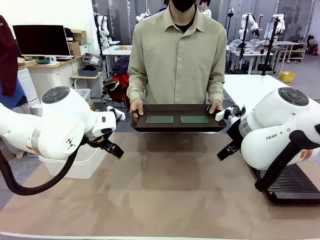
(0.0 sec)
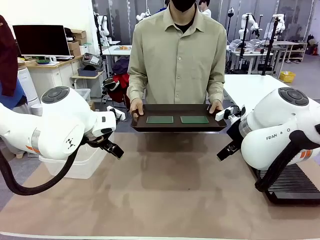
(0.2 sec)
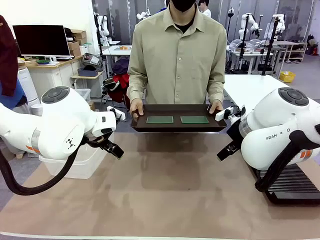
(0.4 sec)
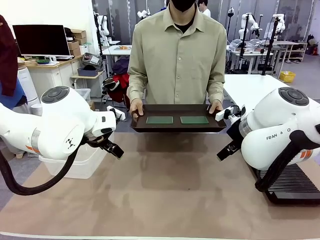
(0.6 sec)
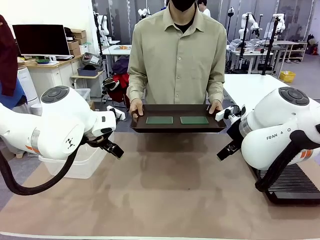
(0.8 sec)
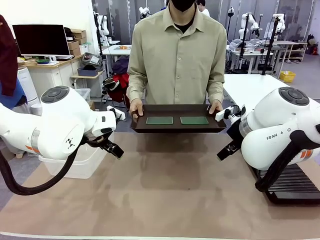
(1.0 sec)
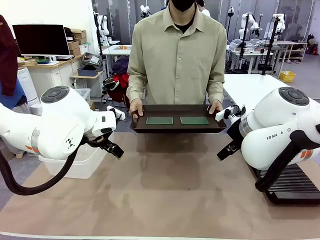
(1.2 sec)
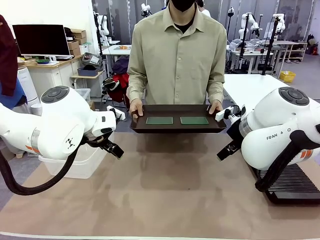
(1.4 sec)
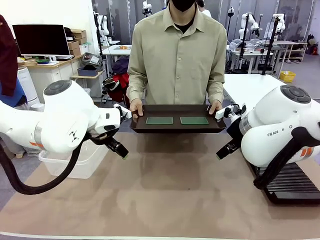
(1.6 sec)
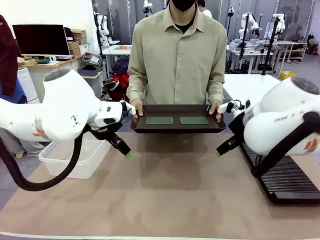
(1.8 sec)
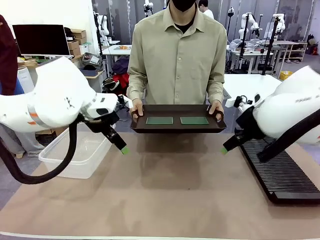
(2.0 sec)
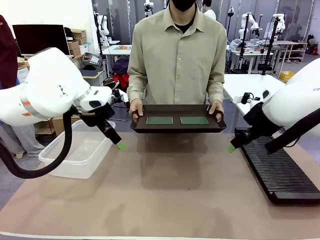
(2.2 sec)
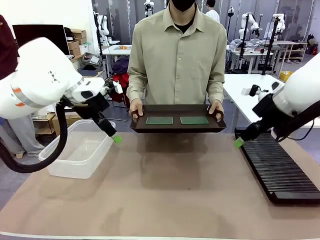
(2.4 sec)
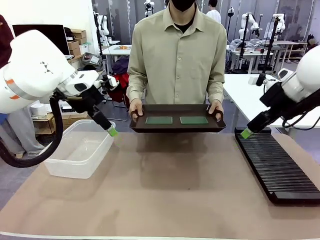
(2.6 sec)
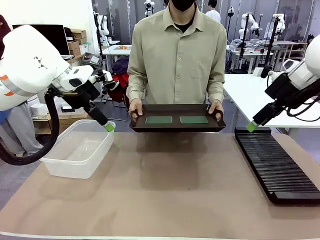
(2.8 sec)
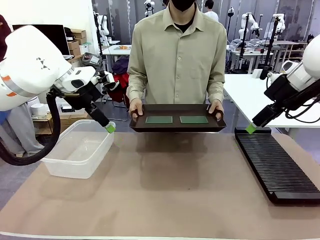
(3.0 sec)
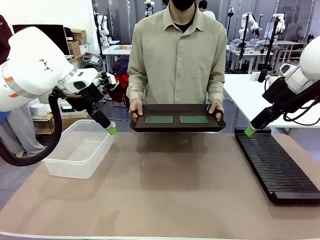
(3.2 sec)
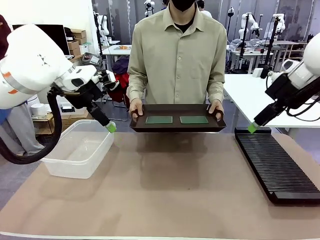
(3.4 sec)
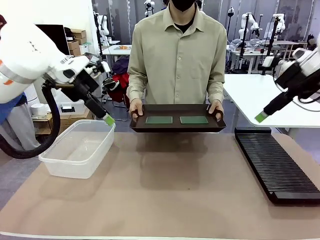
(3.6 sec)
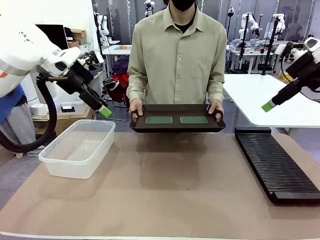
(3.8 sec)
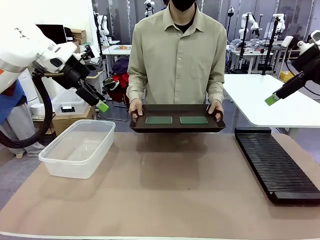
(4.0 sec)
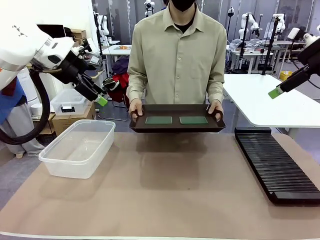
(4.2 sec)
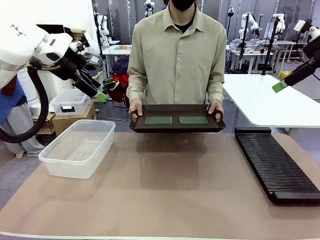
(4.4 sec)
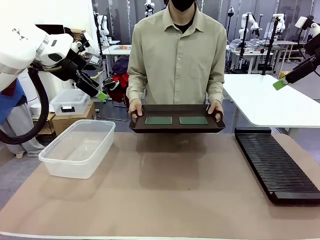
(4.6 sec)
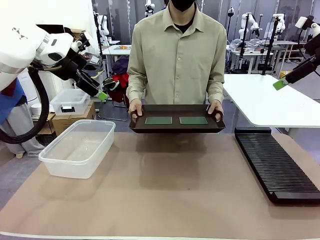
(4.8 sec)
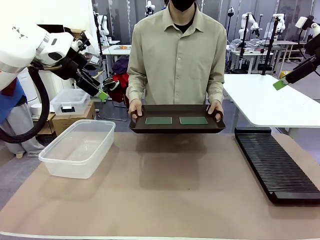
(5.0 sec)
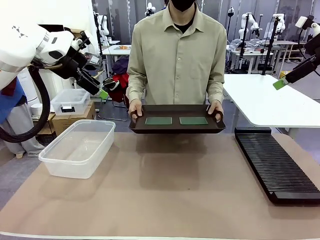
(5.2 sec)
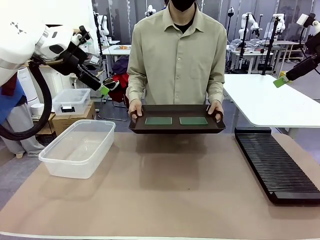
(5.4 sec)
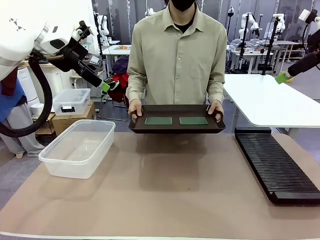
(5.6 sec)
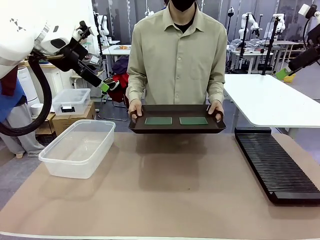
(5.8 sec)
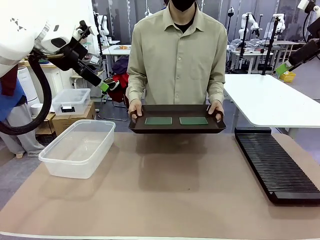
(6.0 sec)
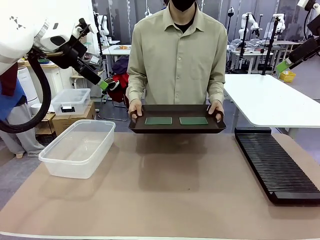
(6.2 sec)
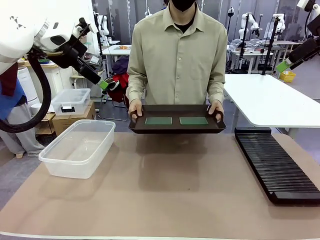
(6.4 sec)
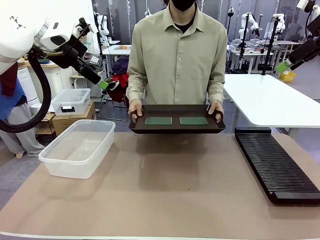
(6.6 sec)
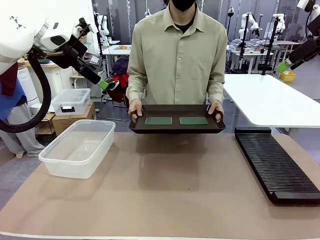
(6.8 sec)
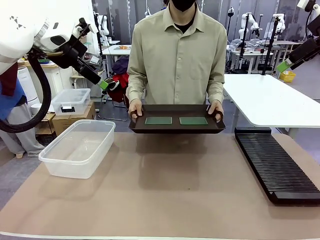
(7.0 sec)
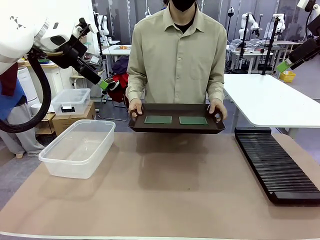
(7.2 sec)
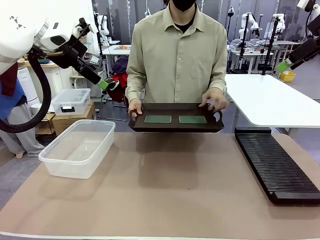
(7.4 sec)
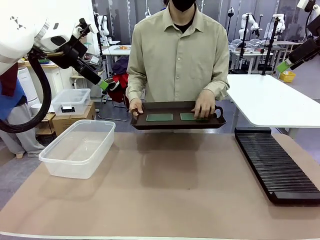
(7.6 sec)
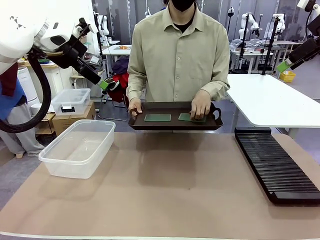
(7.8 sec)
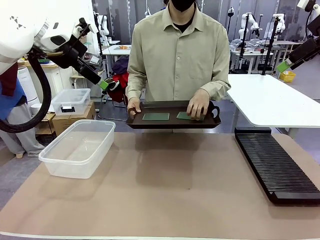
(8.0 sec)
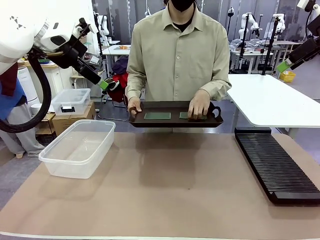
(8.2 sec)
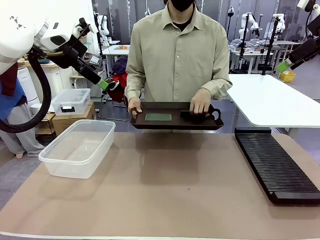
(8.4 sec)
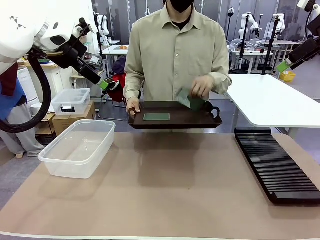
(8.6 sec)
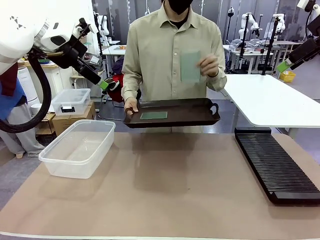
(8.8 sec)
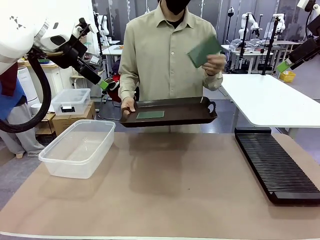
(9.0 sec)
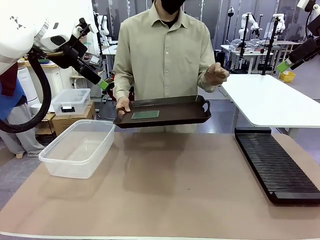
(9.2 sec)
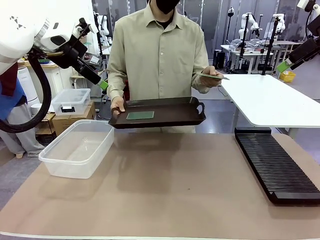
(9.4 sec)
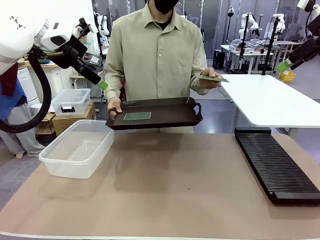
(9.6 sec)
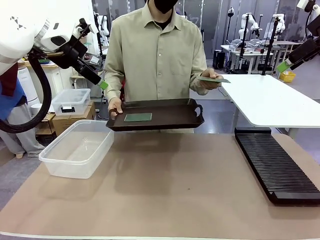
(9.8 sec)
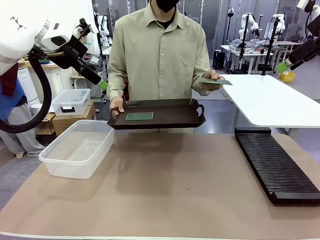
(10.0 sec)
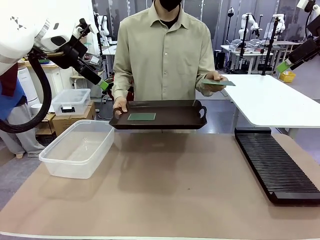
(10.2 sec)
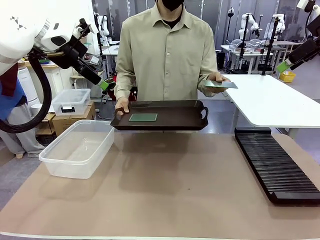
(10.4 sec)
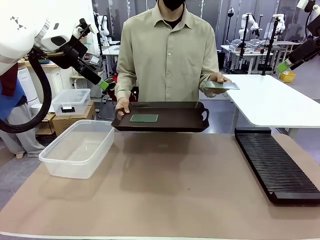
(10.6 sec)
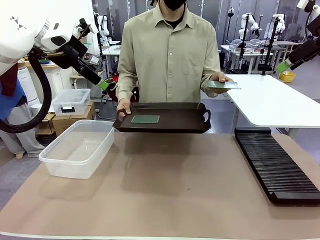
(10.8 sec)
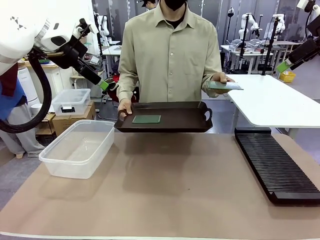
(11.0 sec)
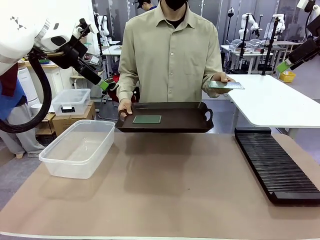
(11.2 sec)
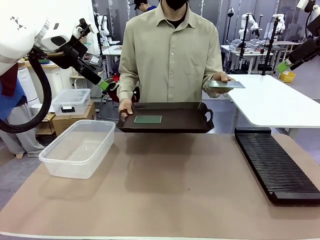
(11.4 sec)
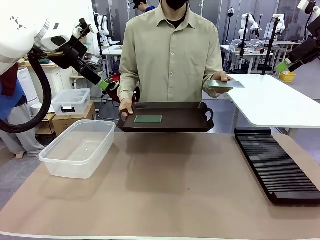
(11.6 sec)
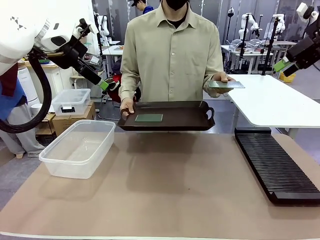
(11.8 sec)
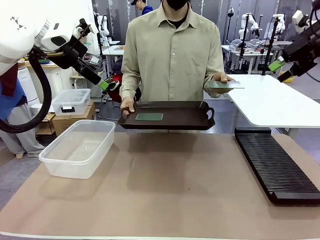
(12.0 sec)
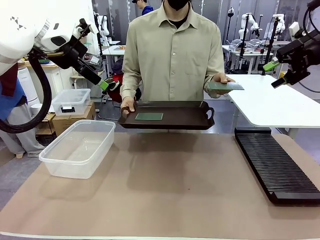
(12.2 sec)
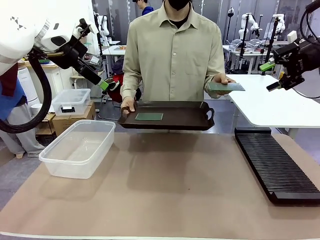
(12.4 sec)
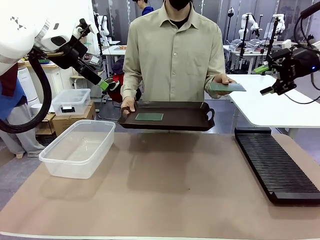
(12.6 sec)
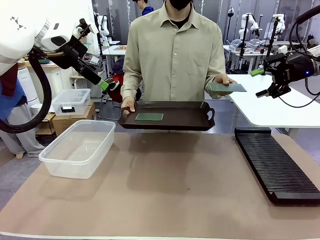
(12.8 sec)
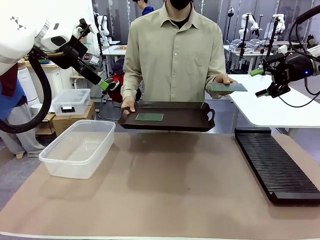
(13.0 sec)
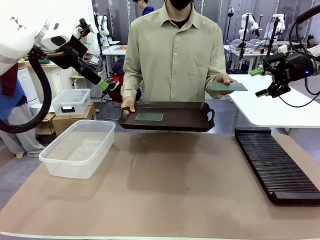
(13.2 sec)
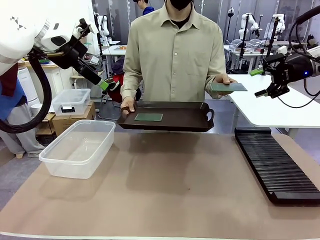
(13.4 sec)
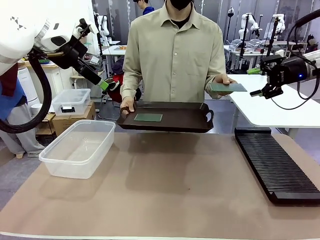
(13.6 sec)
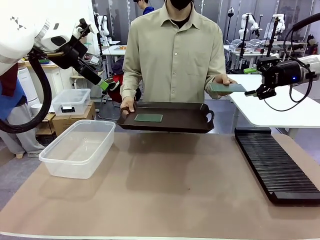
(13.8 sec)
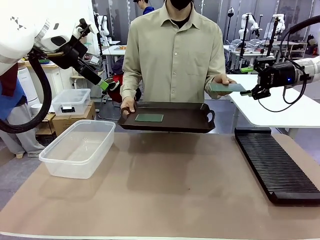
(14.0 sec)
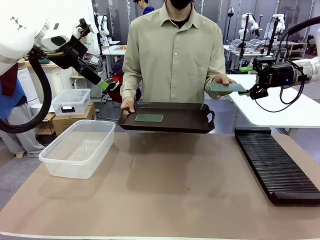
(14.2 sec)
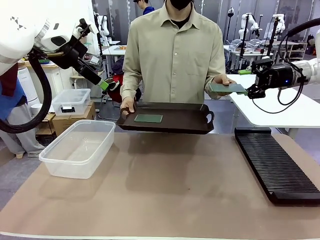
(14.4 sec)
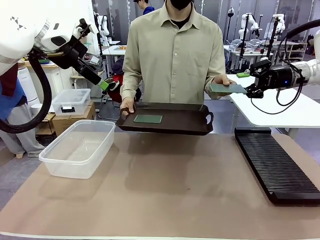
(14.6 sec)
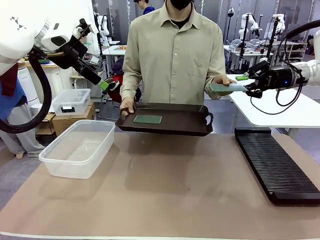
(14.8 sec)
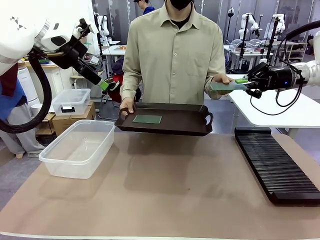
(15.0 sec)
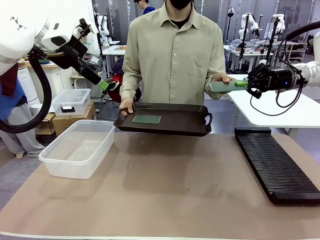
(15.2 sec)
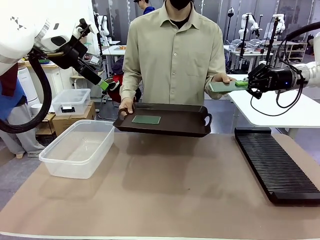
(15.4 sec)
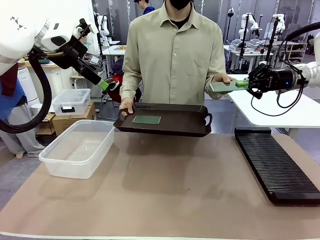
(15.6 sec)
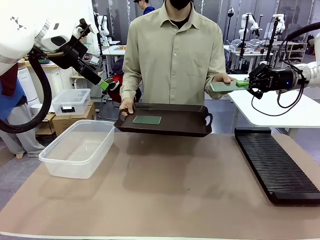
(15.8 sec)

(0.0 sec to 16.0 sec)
Task: Sort PCBs into racks and boxes based on the side picked up.
Robot: Pick up the Blank PCB handed by the Human.
Person: Pick one PCB from the tray and present it to the robot. Release the PCB being held.
